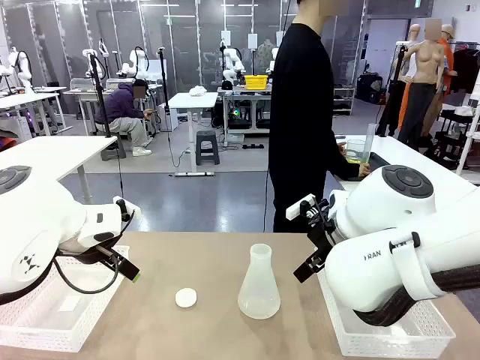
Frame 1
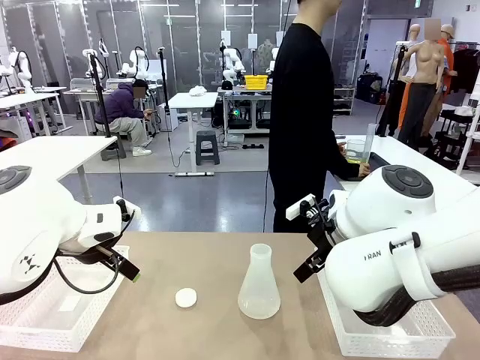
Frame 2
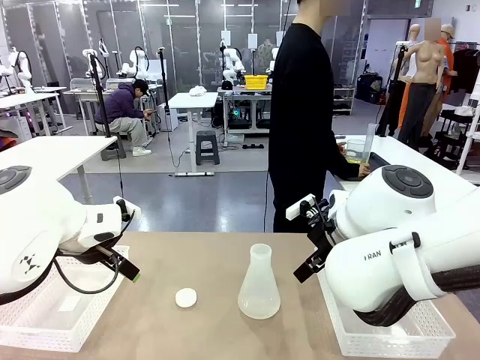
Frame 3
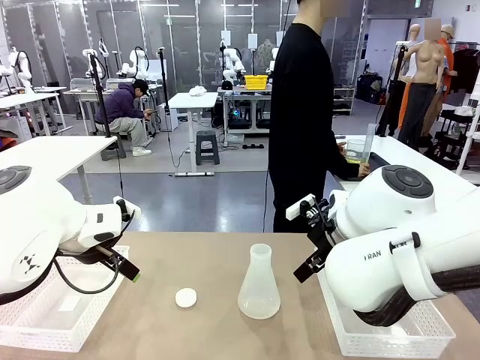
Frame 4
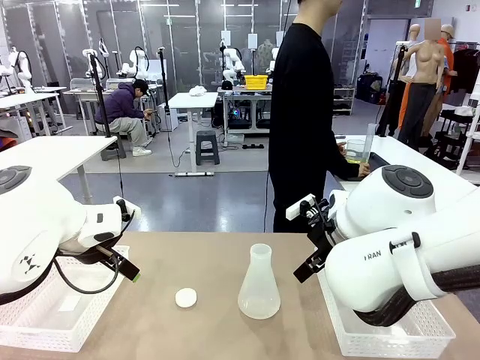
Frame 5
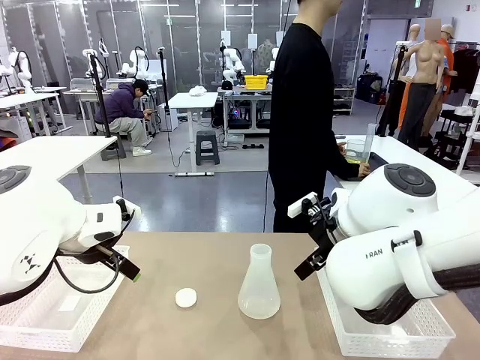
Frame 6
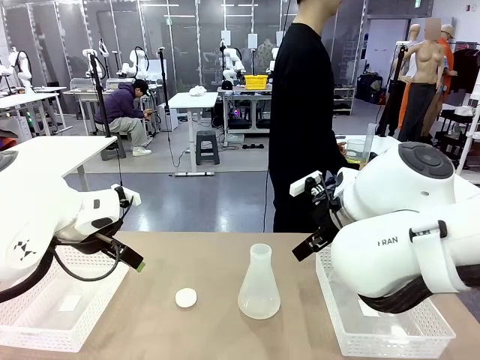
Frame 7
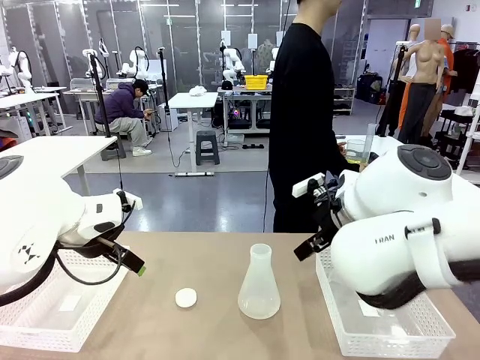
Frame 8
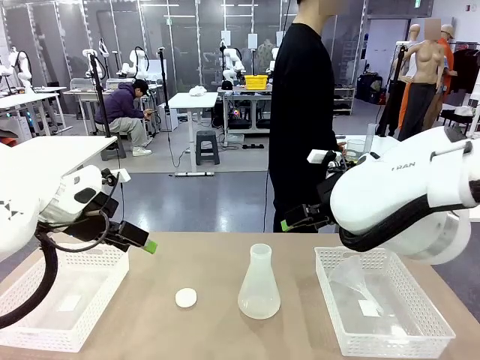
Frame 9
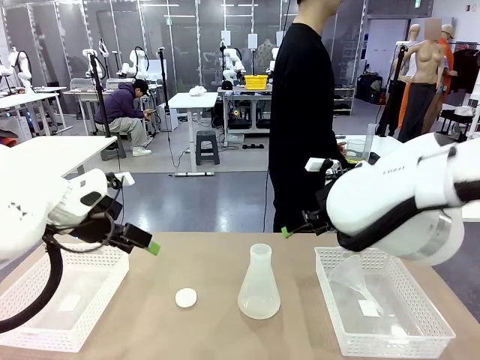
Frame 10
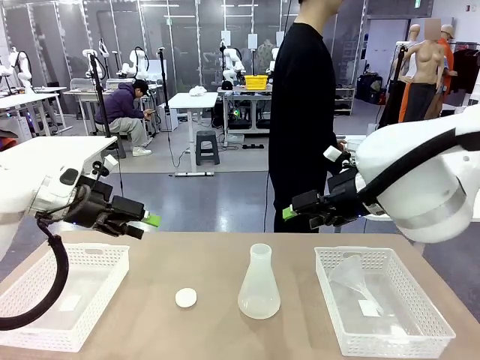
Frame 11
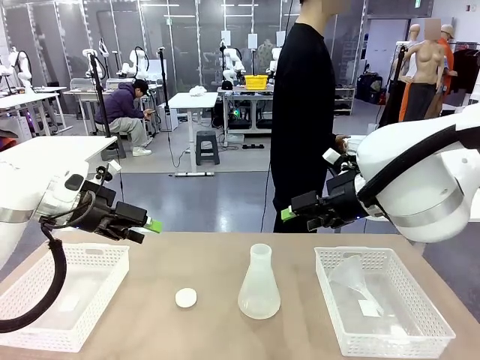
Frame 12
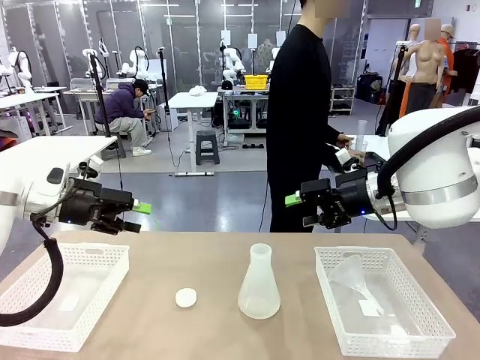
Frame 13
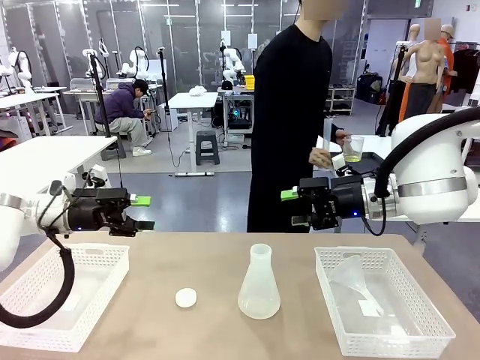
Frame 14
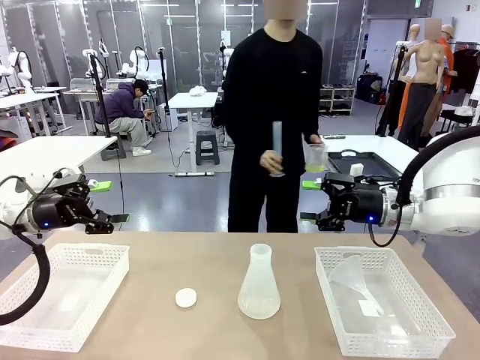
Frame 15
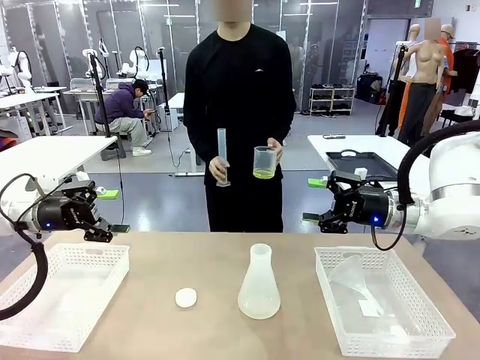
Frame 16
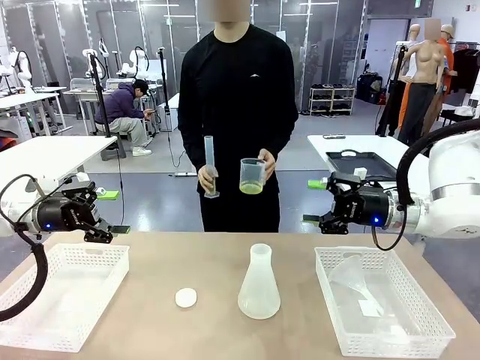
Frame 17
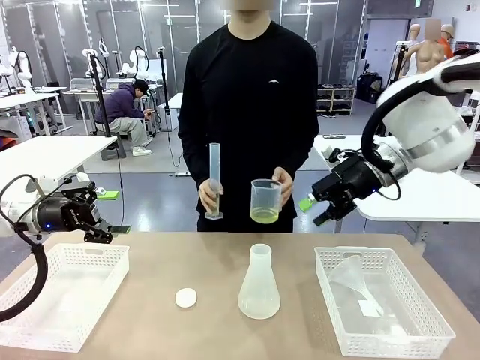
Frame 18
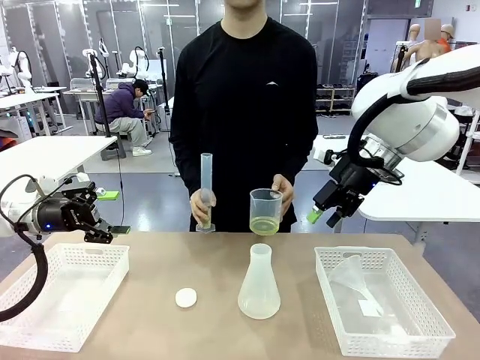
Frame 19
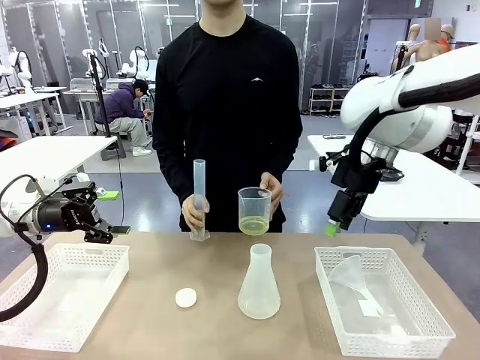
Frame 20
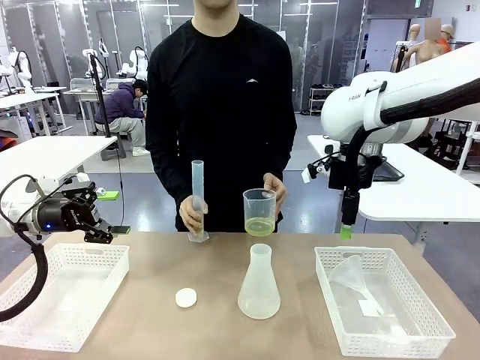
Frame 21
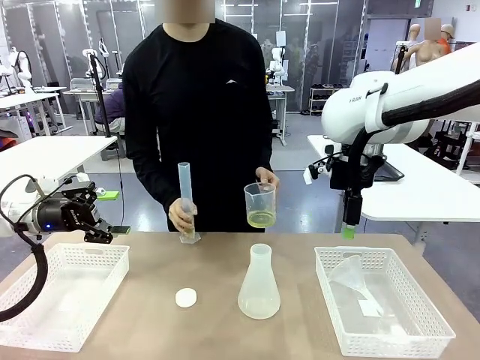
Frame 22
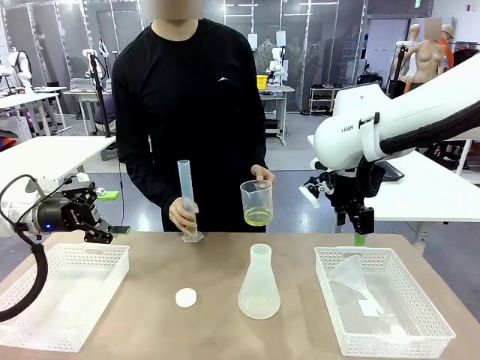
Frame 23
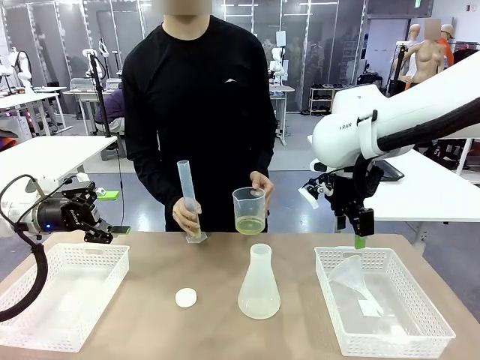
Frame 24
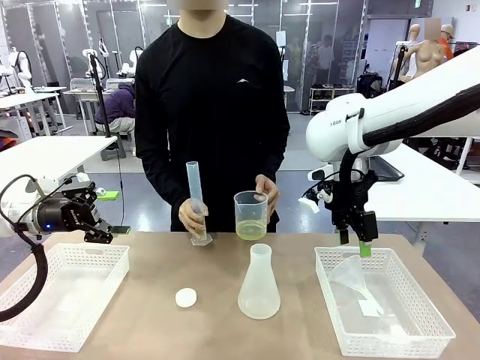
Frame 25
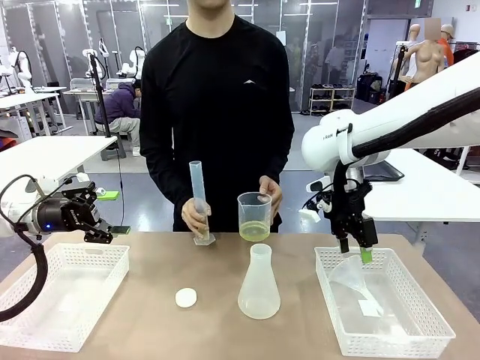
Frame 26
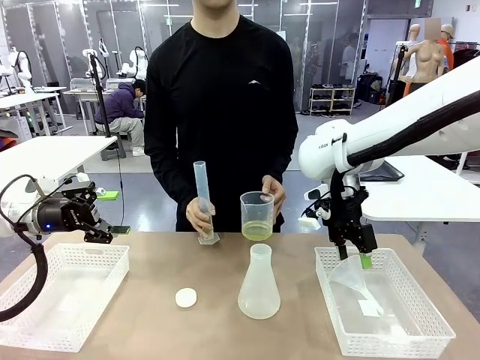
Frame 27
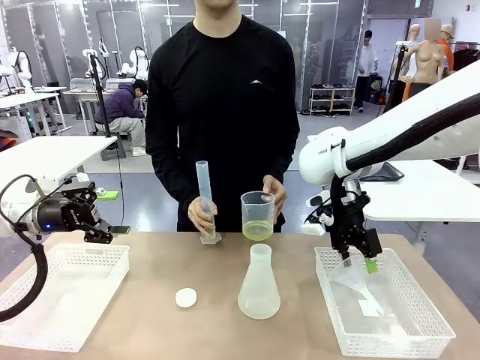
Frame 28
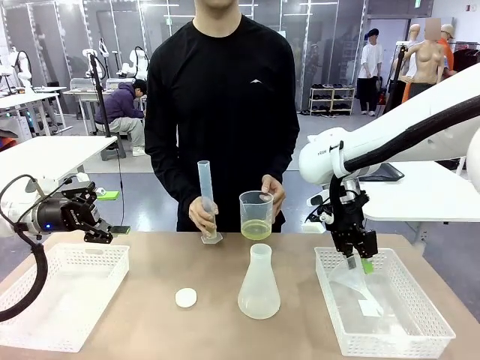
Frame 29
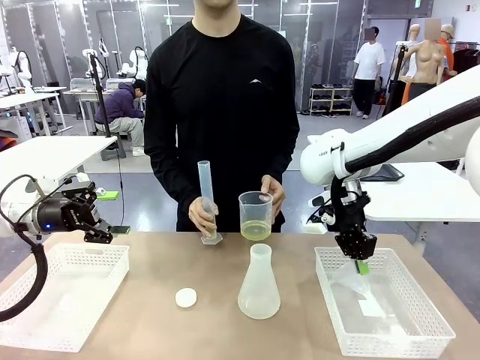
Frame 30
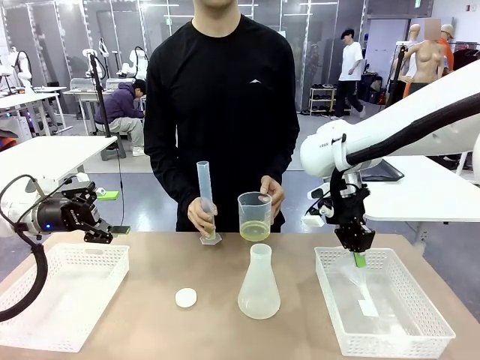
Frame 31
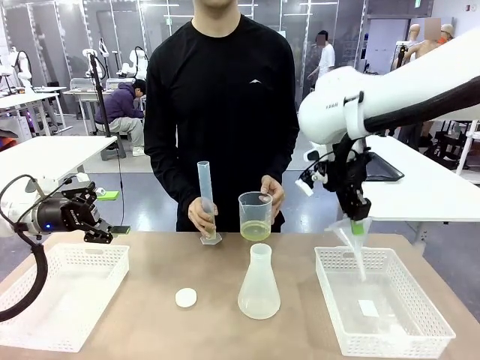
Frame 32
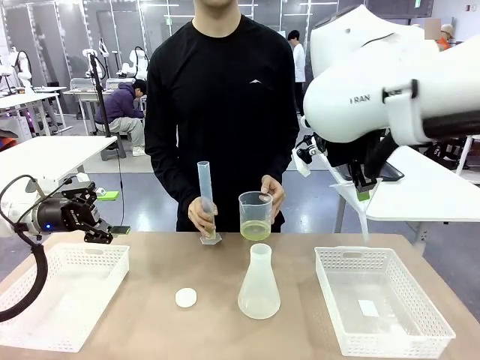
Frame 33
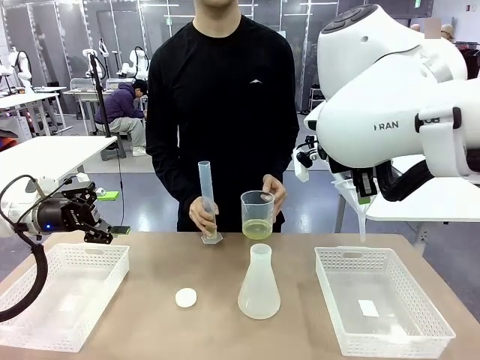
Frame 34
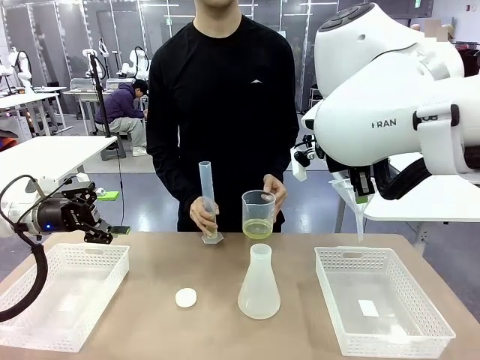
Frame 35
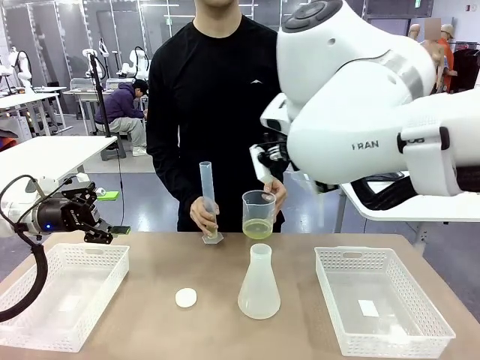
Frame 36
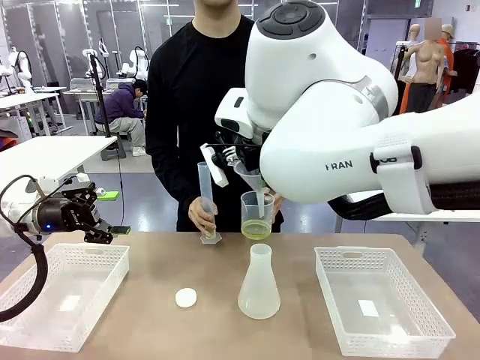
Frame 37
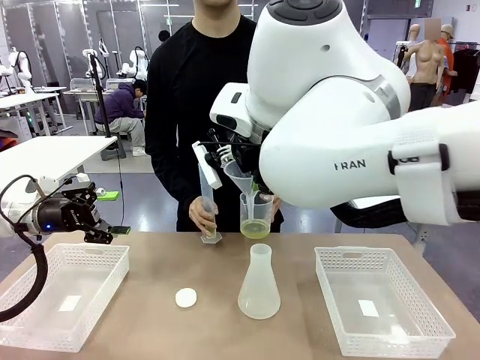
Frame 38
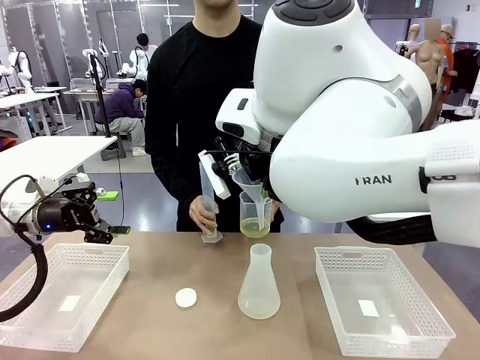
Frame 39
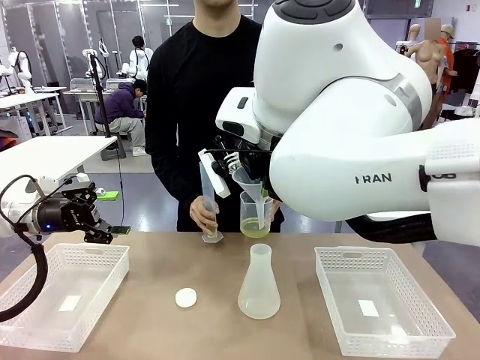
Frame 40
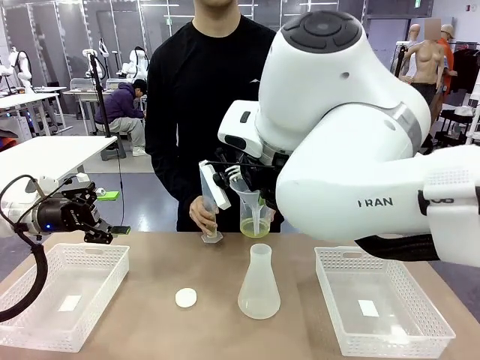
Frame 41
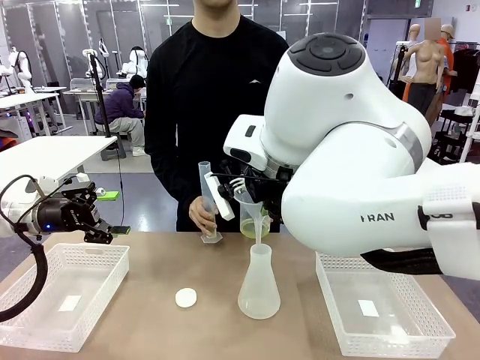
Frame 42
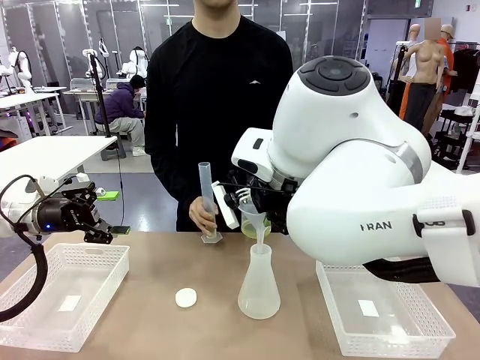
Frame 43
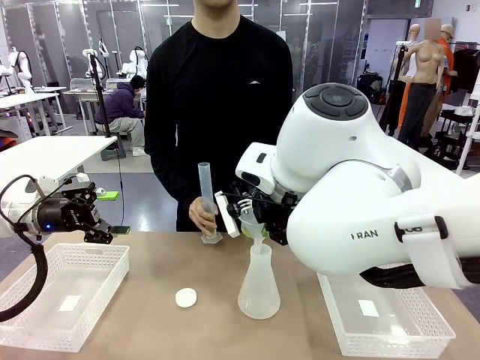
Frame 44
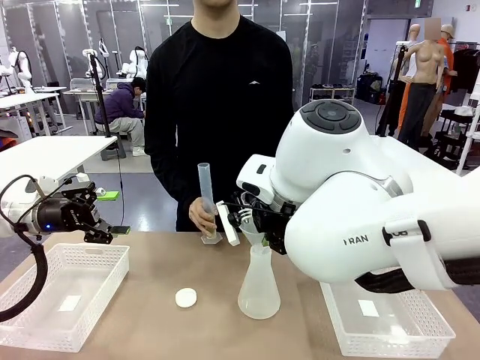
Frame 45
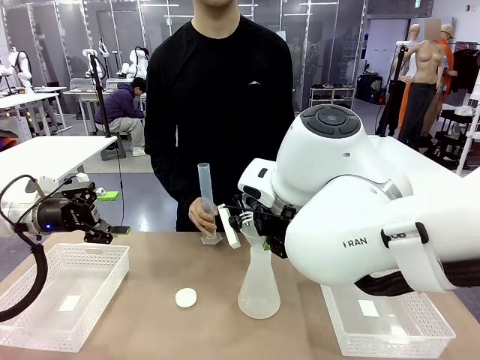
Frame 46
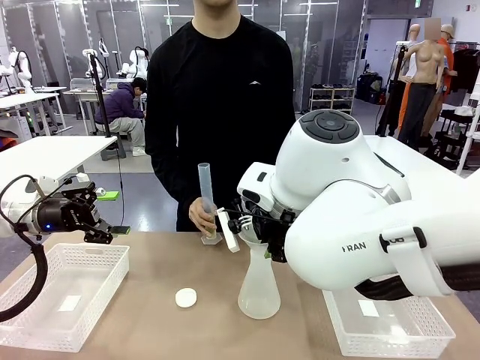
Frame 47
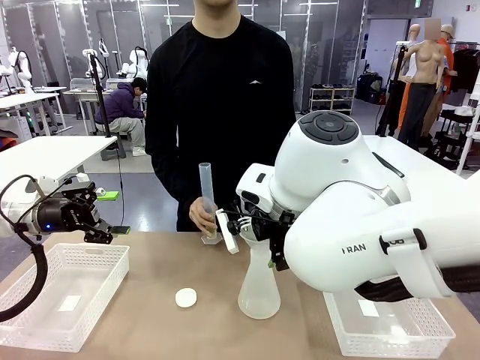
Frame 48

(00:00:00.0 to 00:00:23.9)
Task: Prepare the solutions needed for the experiment.
Robot: Pick up the Plastic Funnel and insert it into the Big flask.
Person: Pick up the beaker and the cylinder and move to the middle of the robot table. Pour the solution from the beaker and the cylinder into the flask.
